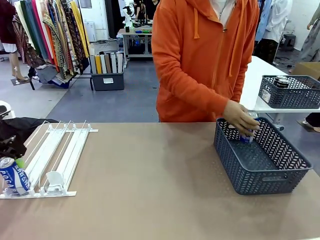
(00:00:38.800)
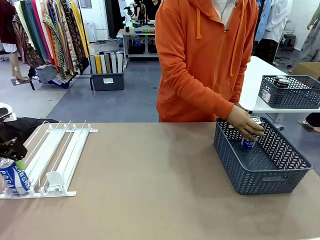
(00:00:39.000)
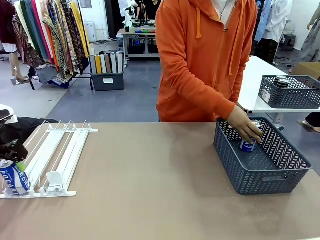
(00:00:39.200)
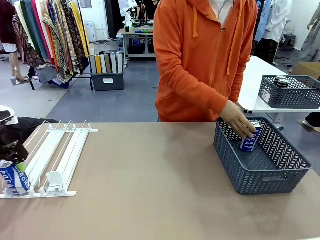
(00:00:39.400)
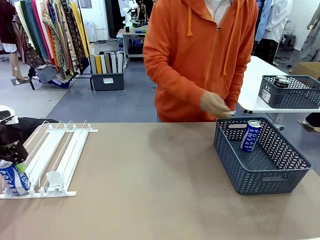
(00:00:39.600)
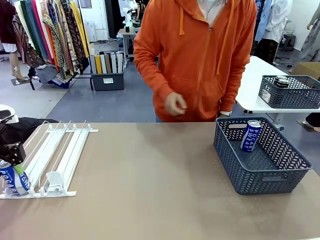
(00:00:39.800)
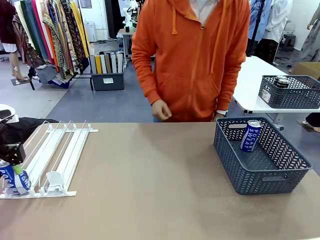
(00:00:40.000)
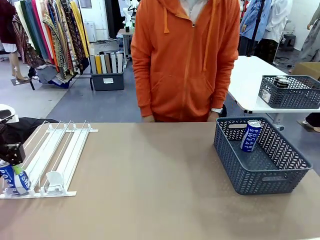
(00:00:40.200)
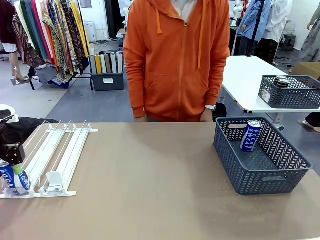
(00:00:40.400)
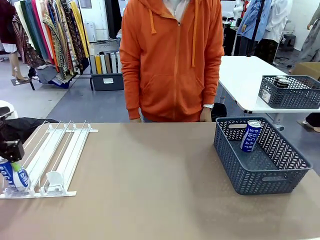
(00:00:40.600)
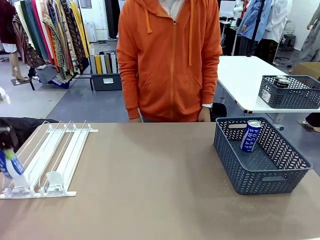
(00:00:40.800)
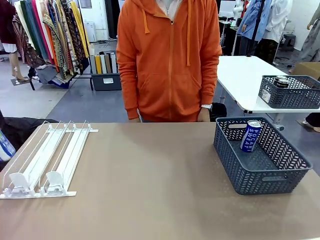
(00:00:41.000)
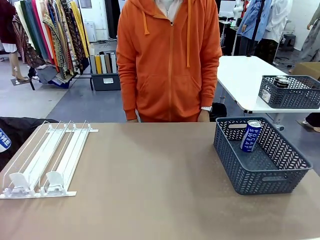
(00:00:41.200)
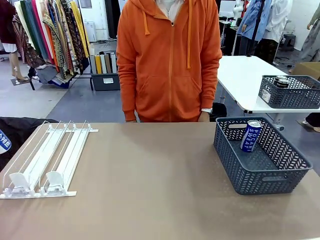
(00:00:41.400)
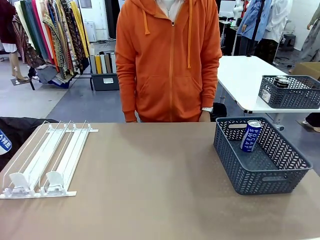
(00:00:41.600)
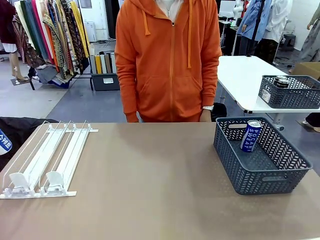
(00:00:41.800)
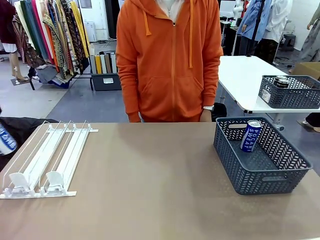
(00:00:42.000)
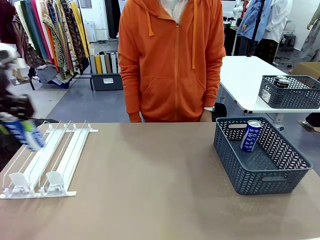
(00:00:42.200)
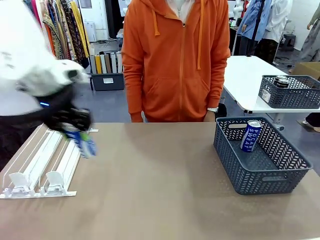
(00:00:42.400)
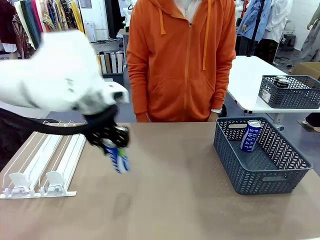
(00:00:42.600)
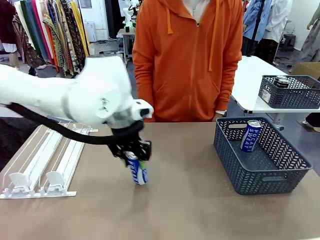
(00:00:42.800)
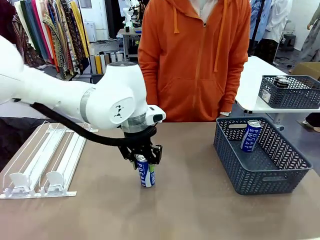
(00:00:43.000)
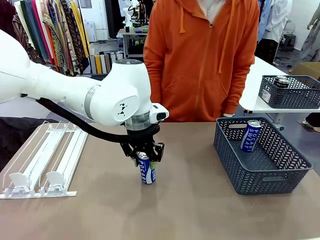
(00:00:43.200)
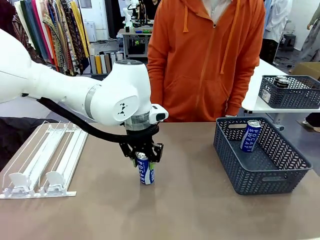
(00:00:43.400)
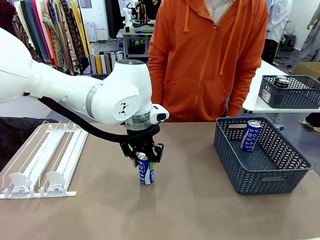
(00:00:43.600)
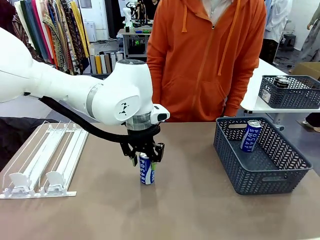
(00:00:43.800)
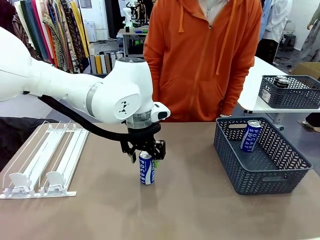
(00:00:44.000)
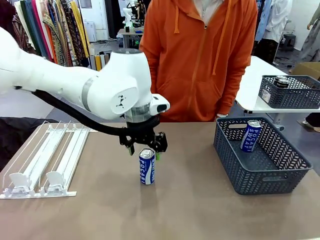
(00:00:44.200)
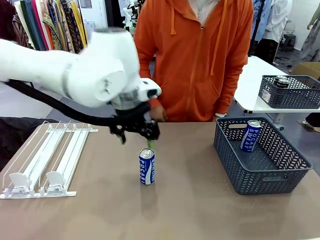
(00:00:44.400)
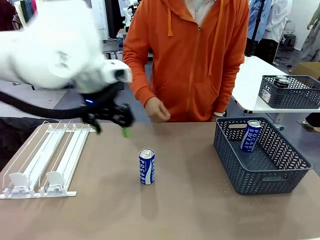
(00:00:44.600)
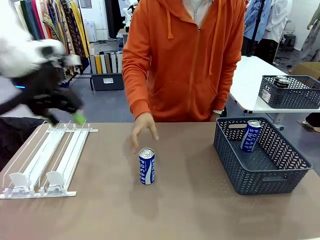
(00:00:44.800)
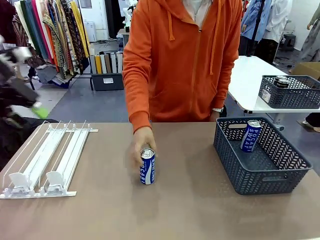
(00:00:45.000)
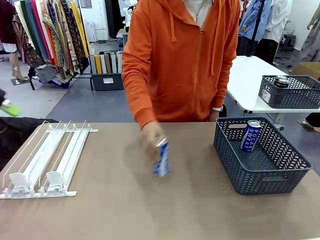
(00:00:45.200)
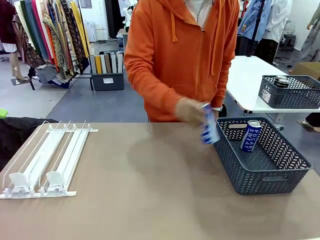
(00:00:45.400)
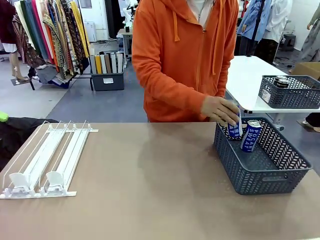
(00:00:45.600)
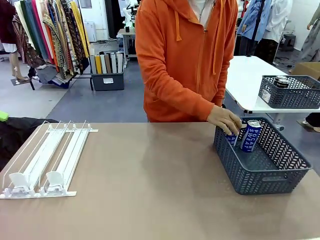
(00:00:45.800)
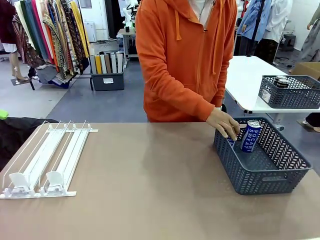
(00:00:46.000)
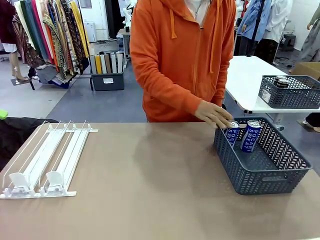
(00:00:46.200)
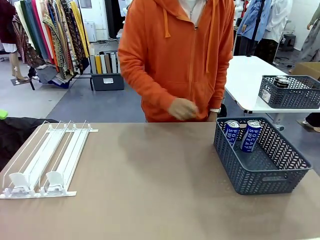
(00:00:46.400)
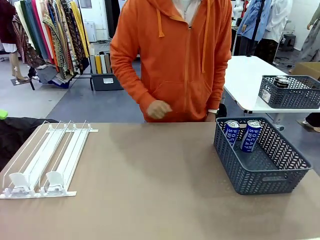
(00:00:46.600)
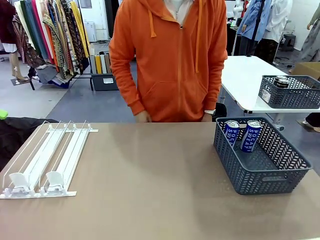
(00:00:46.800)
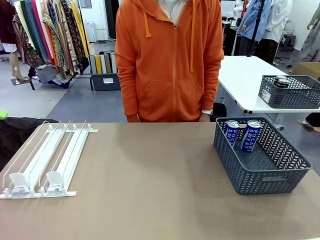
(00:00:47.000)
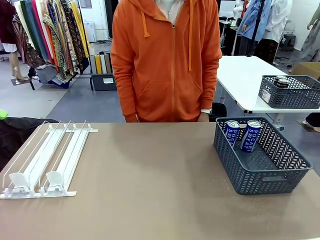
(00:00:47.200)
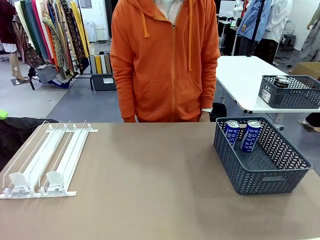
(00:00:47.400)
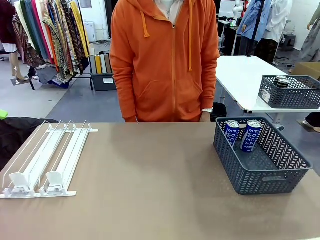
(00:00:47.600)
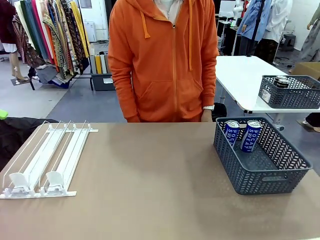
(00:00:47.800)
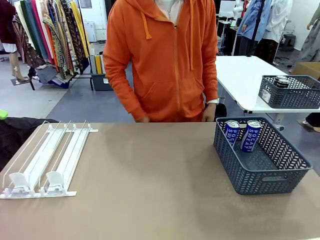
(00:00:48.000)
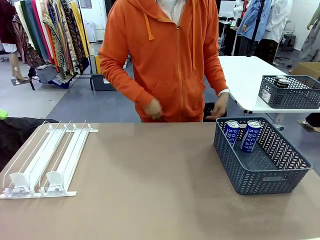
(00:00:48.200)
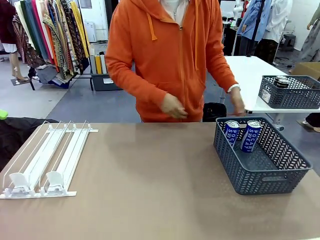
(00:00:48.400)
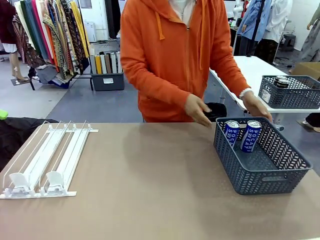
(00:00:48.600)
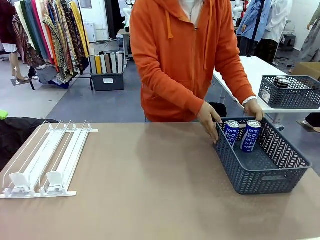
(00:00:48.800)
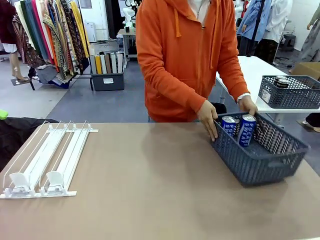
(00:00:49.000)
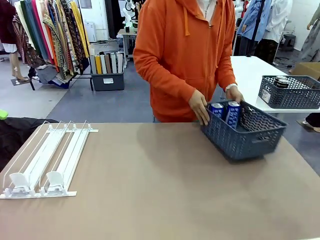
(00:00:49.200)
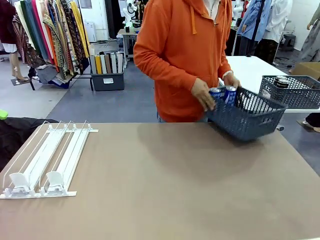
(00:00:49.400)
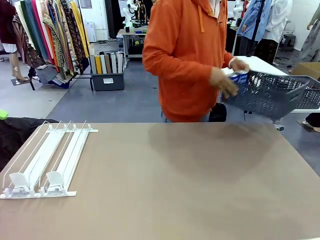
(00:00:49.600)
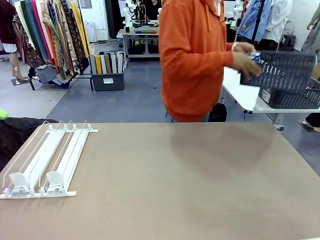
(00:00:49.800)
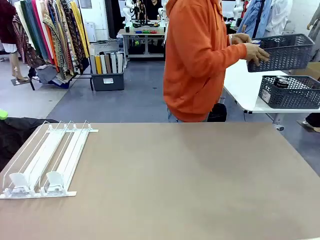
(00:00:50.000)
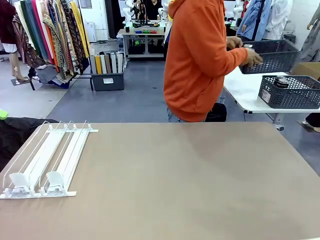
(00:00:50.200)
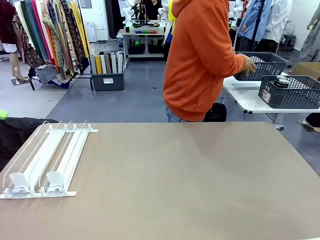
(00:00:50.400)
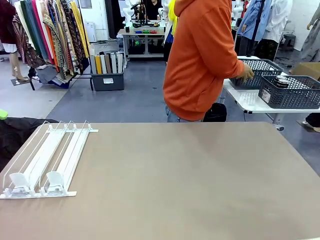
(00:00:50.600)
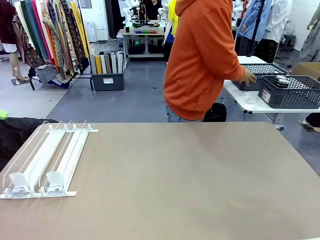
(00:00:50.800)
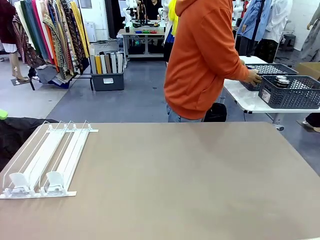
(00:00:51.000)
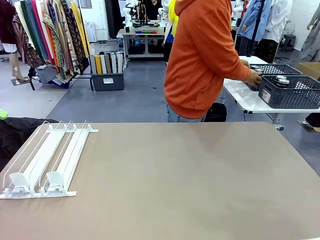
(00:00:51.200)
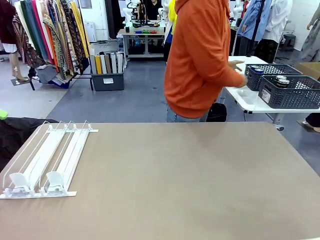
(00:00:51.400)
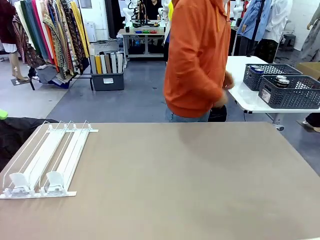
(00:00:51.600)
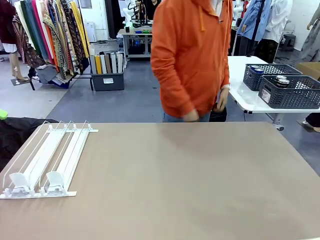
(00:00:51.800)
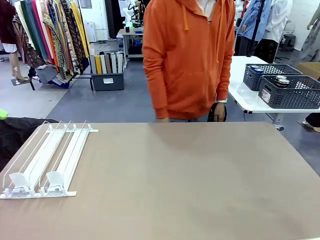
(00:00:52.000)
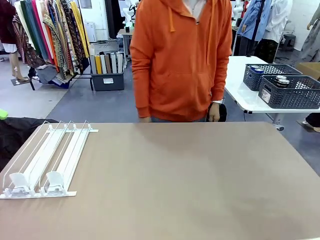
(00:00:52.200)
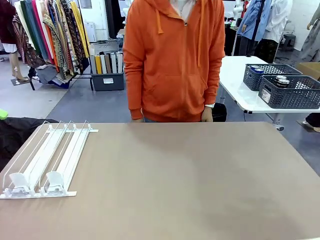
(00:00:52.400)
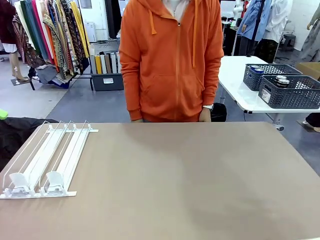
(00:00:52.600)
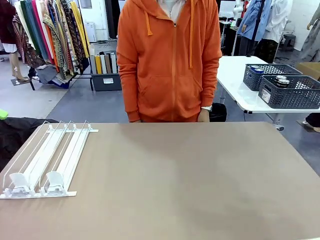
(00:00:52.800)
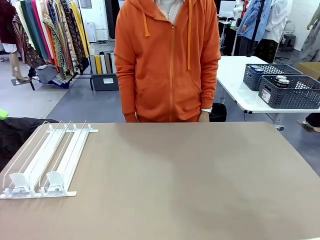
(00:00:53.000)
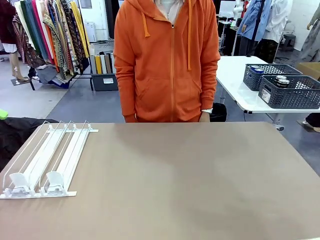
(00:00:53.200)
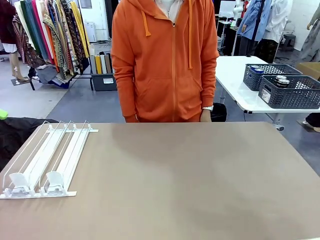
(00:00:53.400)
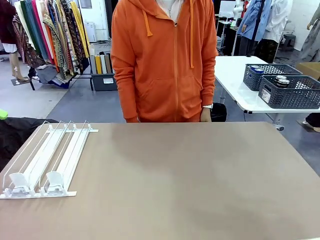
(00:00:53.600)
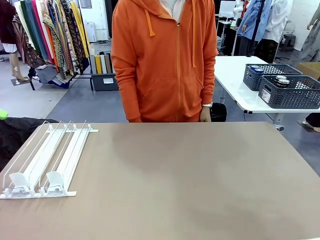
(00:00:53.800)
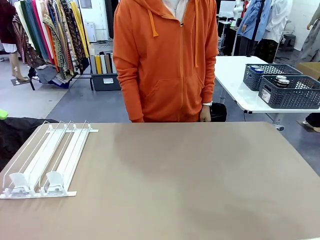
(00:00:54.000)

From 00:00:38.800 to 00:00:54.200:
Task: Retrieve and store the cans from the dispenser.
Robot: Pick up one can from the Automatic Can Dispenser and place it in the middle of the table.
Person: Pick up one sports drink can from the middle of the robot table and place it in the basket. Pick up the basket and place it in the middle of the human table.

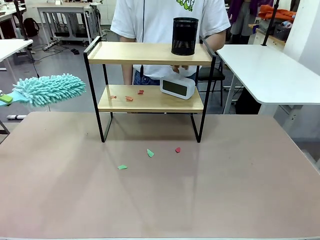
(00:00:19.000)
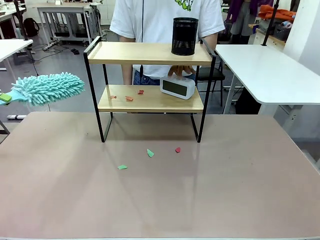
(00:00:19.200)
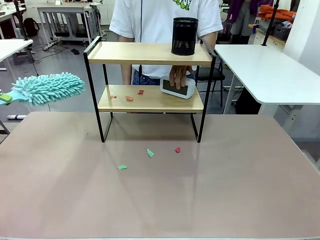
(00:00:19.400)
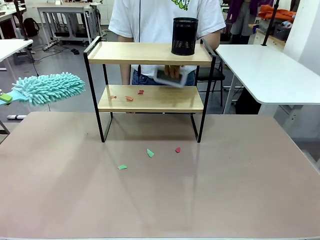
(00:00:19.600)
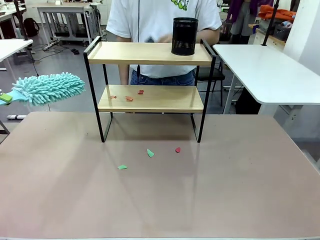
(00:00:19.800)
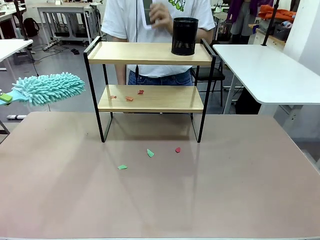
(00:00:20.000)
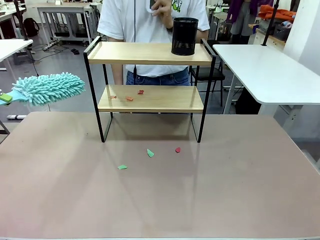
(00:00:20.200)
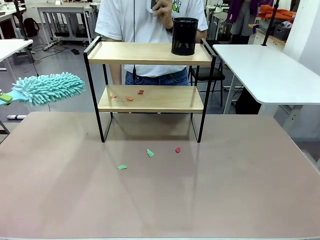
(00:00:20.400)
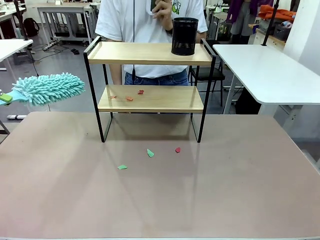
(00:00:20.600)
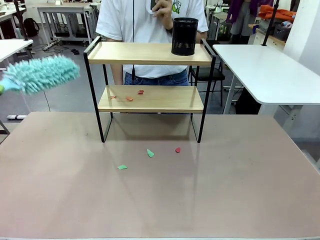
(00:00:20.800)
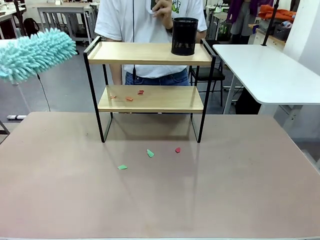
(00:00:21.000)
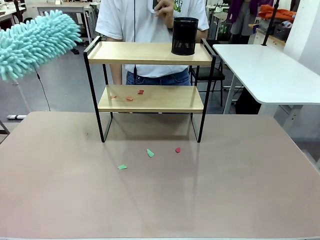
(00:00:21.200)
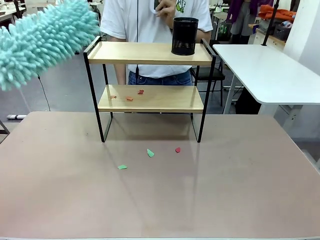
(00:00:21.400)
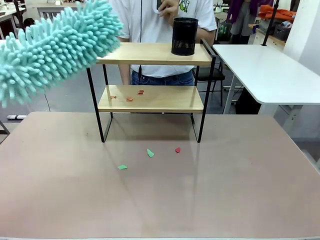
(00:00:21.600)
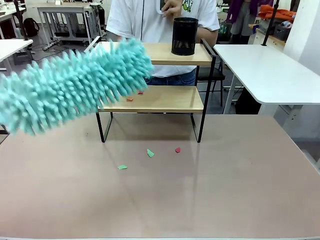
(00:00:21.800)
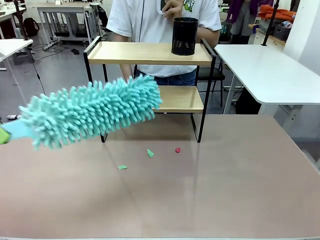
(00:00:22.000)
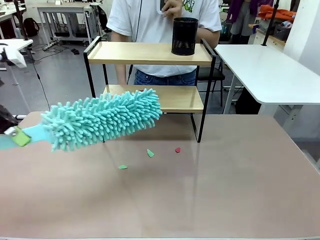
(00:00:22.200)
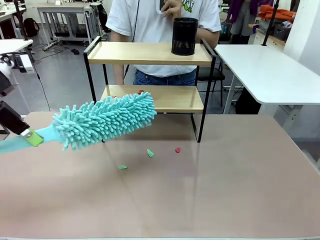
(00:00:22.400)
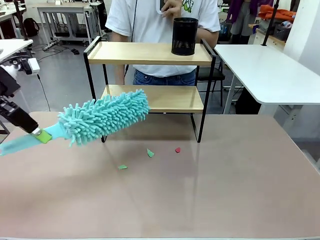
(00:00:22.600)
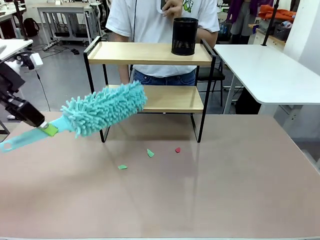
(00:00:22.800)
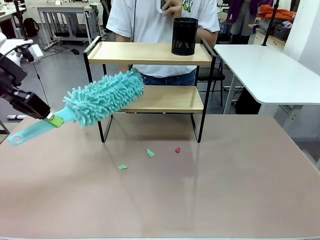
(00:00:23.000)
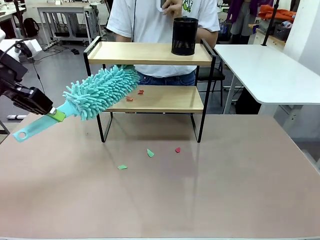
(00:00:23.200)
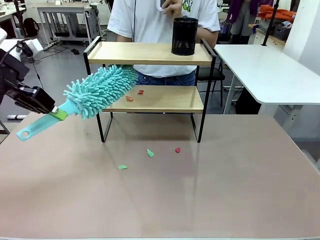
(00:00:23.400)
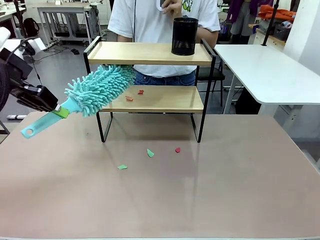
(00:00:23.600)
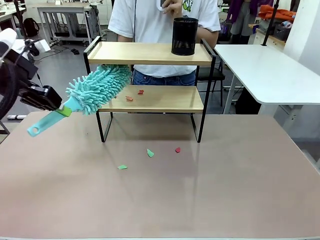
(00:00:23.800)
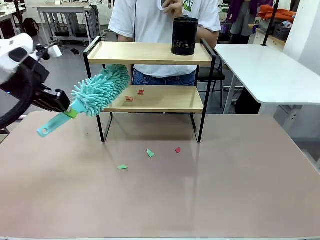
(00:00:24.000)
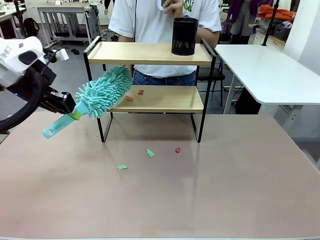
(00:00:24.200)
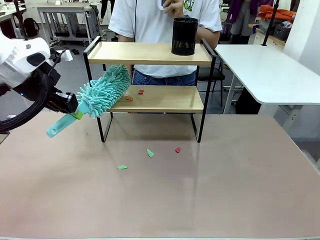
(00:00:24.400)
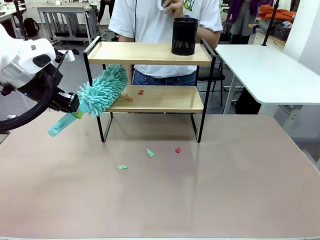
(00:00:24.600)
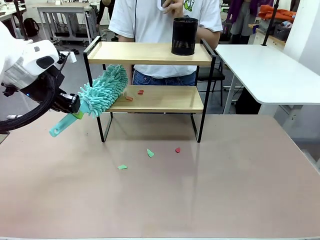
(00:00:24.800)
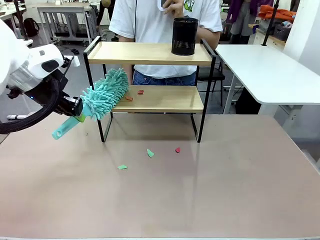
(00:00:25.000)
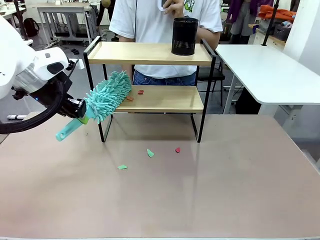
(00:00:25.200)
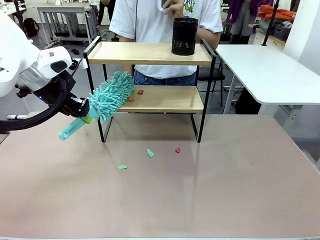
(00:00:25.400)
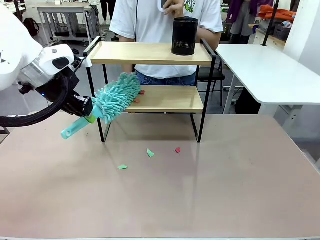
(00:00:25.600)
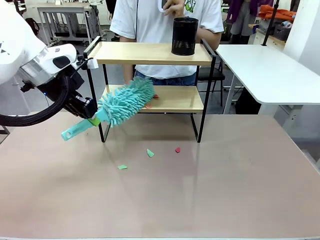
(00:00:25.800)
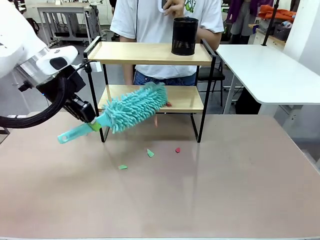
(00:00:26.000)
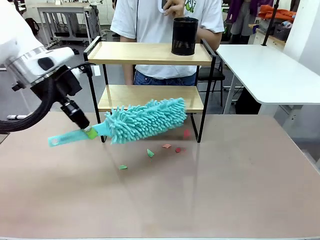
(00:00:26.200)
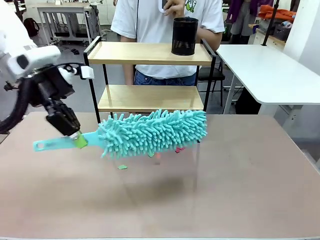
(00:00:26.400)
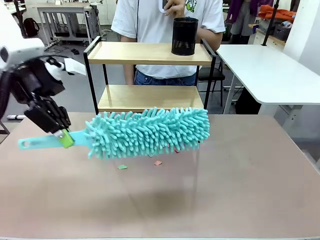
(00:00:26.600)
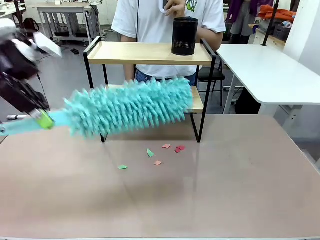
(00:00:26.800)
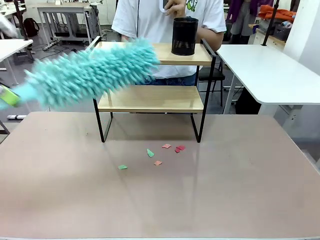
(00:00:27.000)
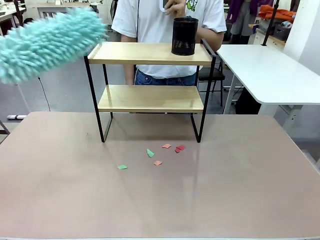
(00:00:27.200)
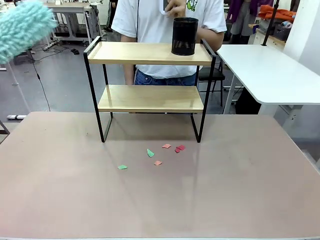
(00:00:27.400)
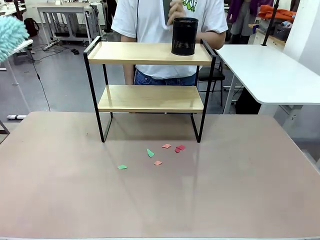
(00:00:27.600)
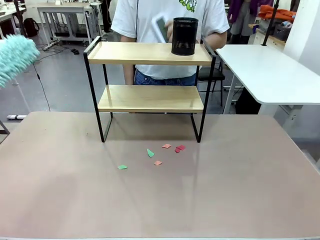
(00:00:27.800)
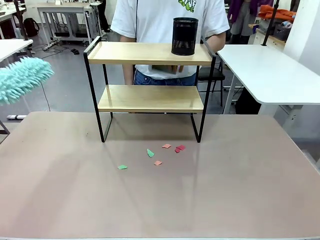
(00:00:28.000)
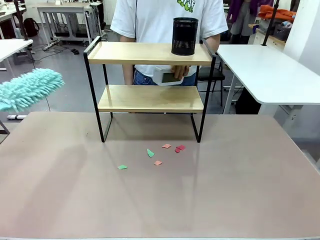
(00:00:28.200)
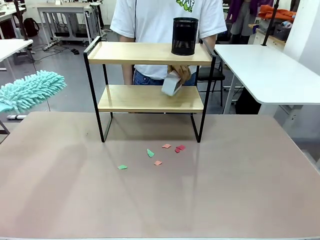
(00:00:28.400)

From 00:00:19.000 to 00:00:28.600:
Task: Clean the shelf.
Robot: Clean the remaining tier of the Shelf with the Duster once objects are removed.
